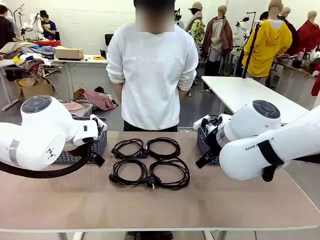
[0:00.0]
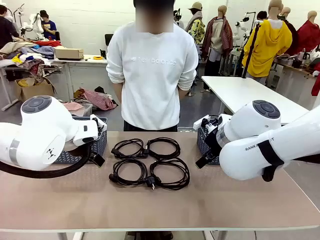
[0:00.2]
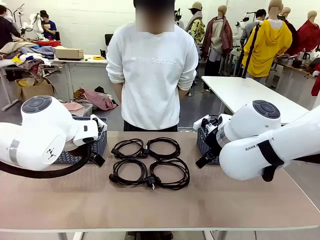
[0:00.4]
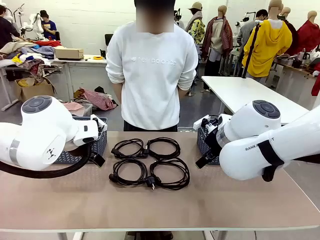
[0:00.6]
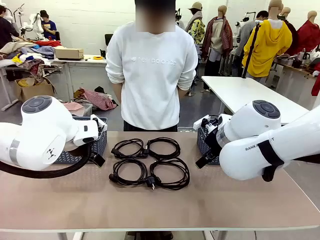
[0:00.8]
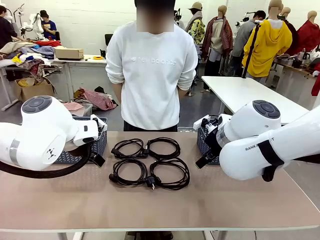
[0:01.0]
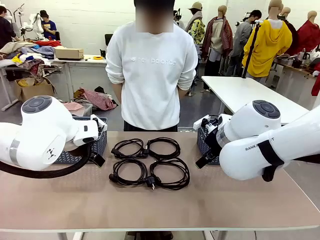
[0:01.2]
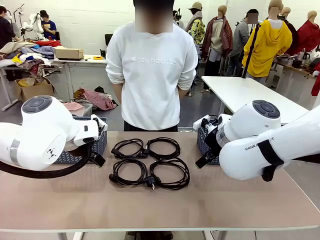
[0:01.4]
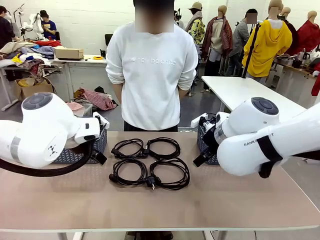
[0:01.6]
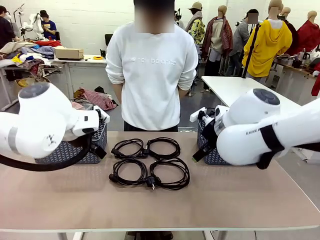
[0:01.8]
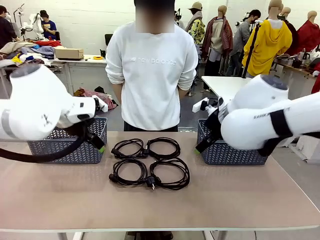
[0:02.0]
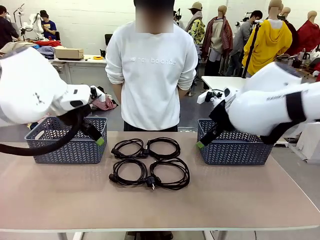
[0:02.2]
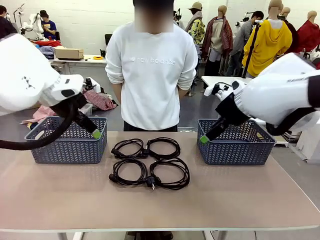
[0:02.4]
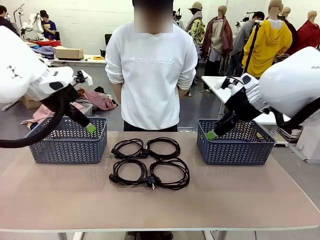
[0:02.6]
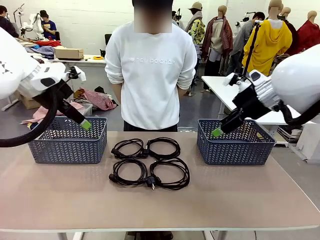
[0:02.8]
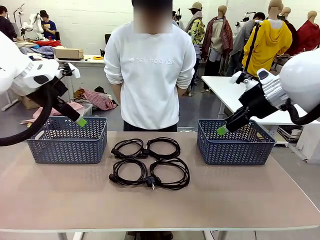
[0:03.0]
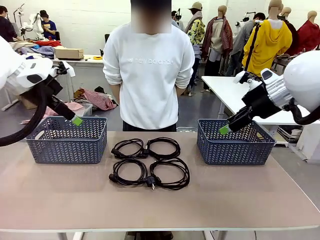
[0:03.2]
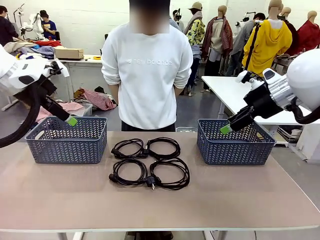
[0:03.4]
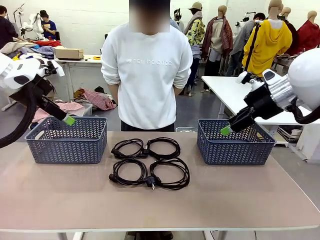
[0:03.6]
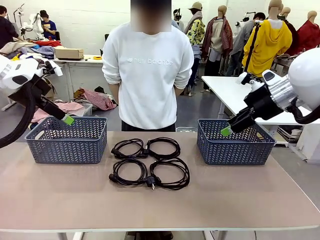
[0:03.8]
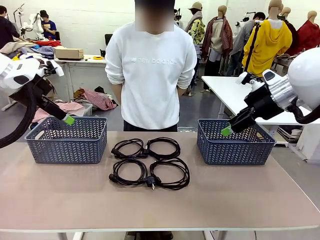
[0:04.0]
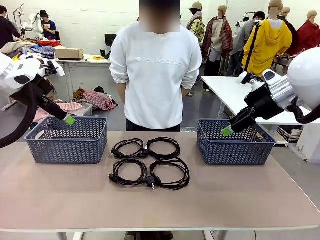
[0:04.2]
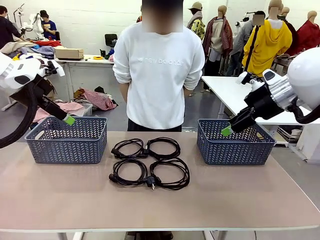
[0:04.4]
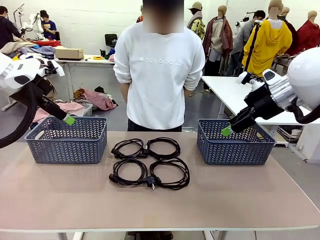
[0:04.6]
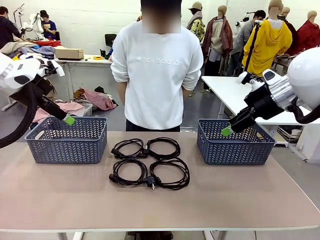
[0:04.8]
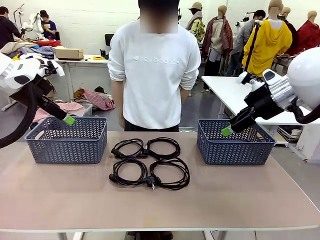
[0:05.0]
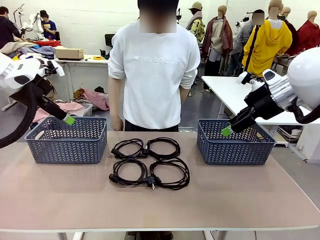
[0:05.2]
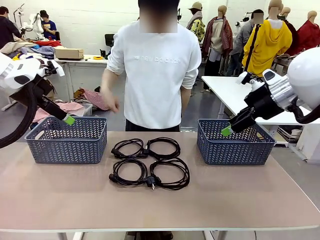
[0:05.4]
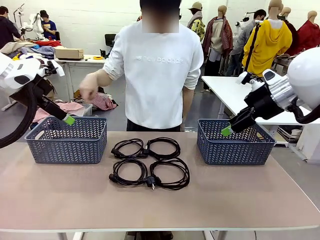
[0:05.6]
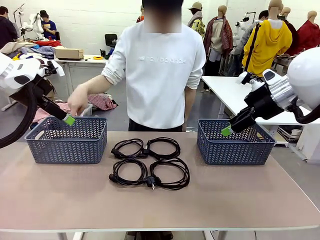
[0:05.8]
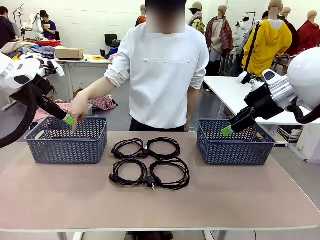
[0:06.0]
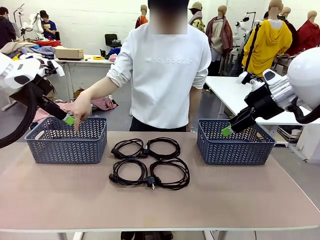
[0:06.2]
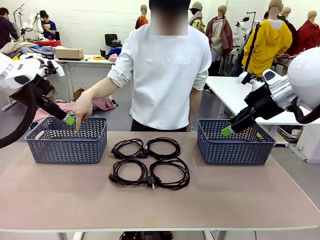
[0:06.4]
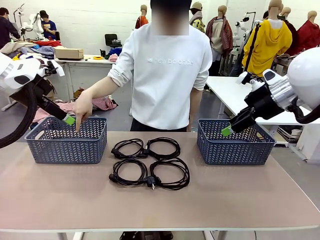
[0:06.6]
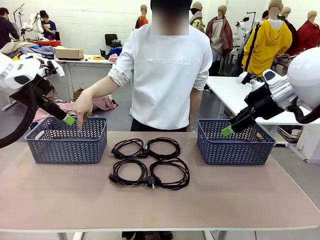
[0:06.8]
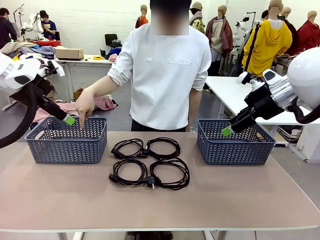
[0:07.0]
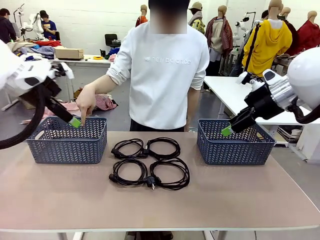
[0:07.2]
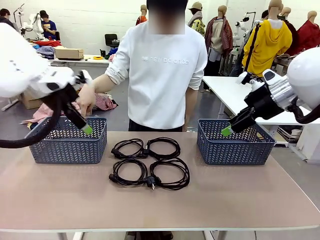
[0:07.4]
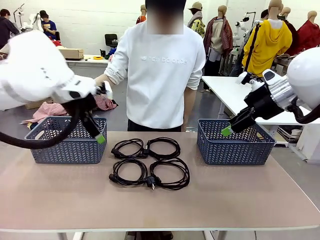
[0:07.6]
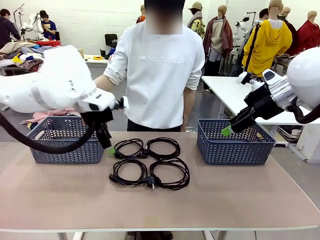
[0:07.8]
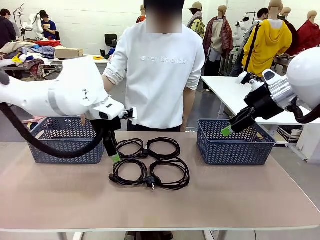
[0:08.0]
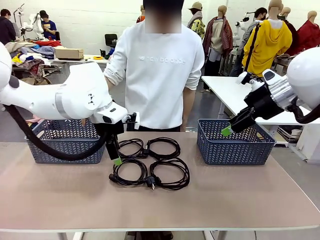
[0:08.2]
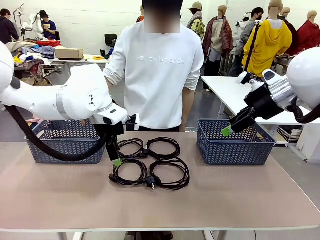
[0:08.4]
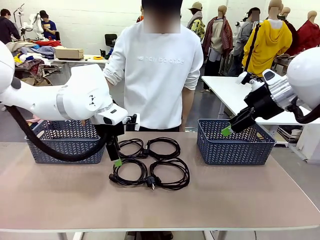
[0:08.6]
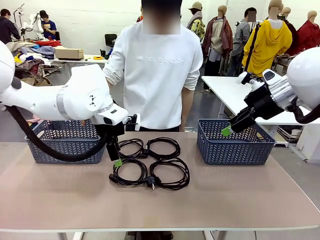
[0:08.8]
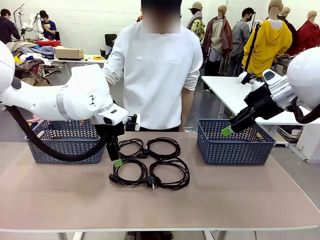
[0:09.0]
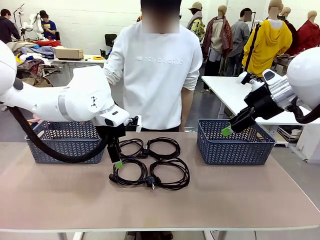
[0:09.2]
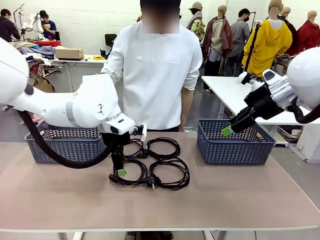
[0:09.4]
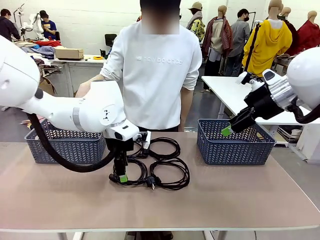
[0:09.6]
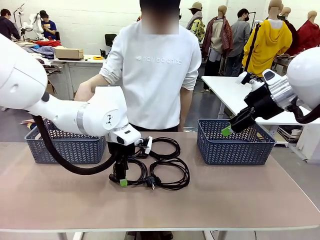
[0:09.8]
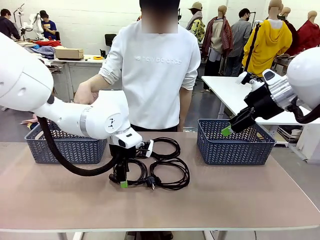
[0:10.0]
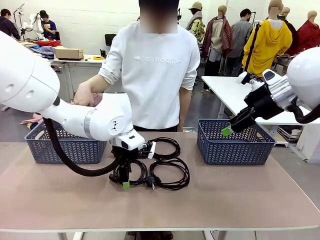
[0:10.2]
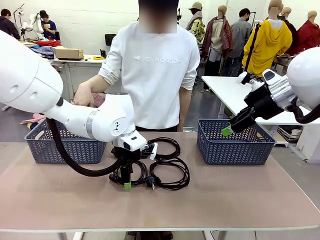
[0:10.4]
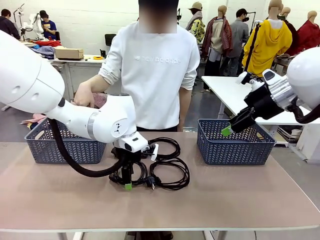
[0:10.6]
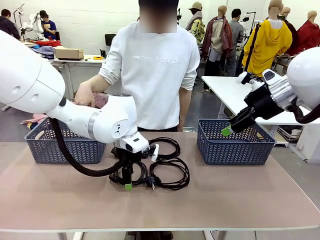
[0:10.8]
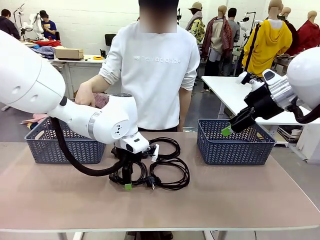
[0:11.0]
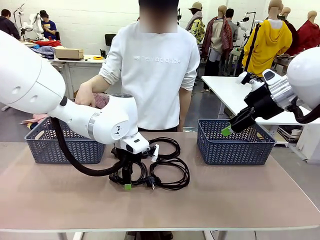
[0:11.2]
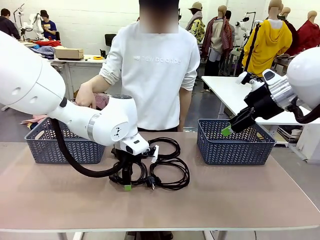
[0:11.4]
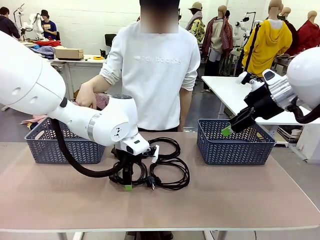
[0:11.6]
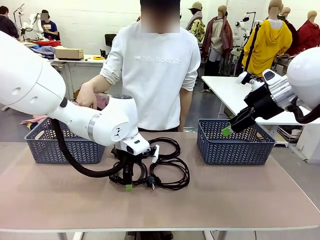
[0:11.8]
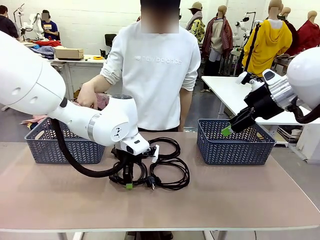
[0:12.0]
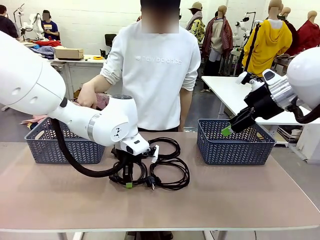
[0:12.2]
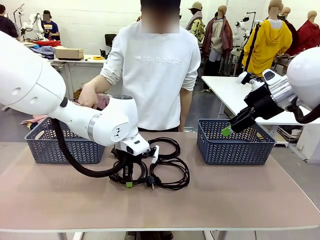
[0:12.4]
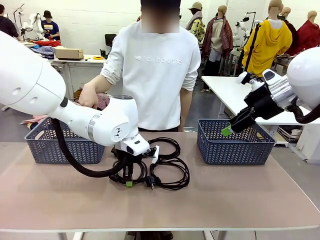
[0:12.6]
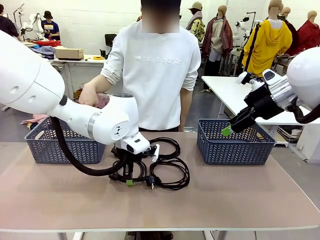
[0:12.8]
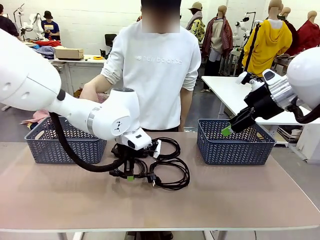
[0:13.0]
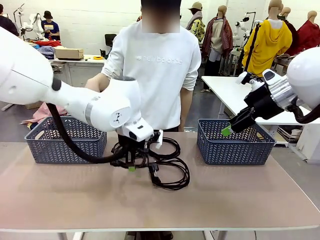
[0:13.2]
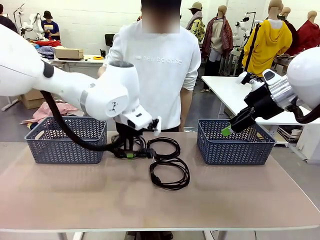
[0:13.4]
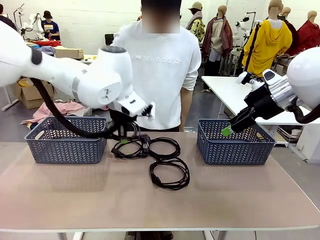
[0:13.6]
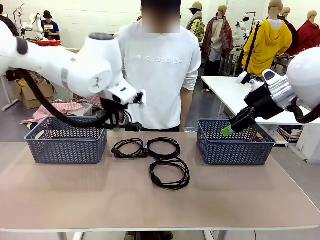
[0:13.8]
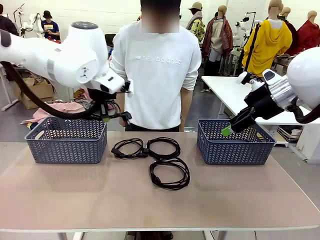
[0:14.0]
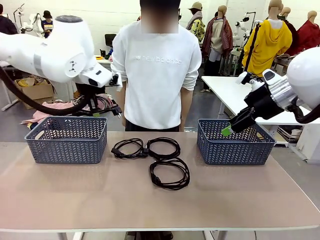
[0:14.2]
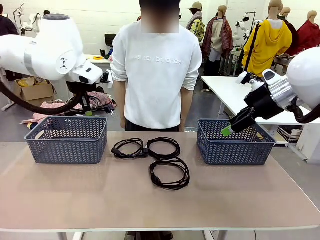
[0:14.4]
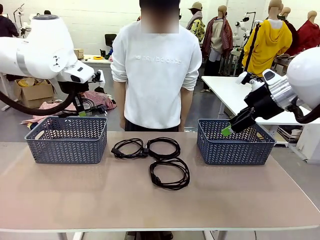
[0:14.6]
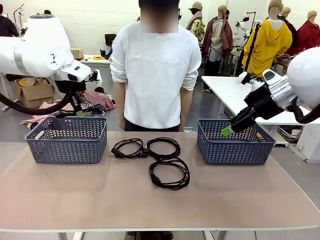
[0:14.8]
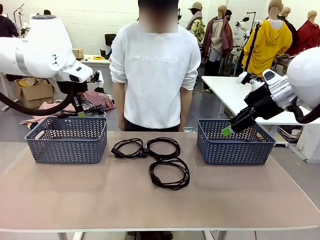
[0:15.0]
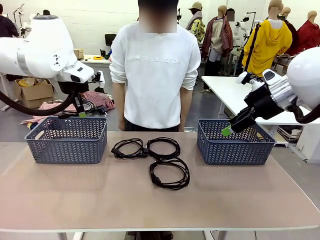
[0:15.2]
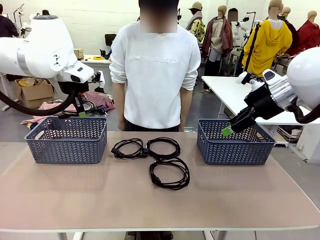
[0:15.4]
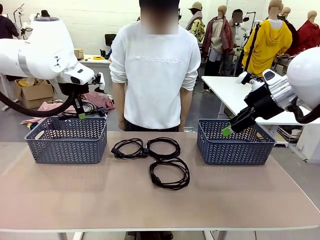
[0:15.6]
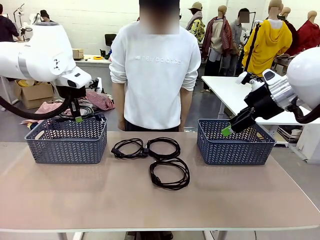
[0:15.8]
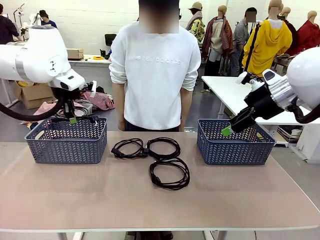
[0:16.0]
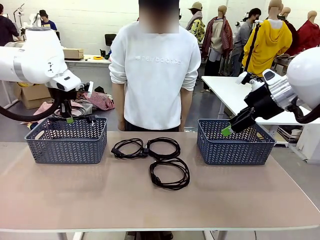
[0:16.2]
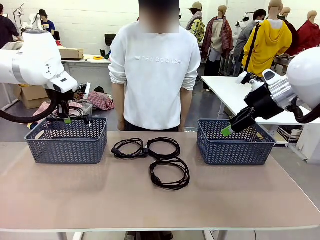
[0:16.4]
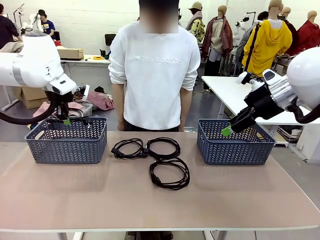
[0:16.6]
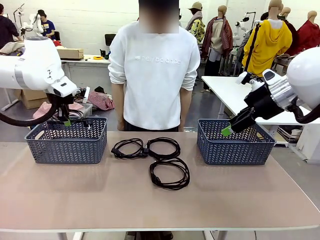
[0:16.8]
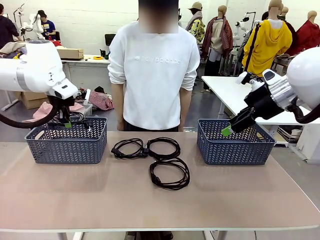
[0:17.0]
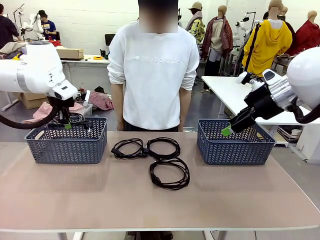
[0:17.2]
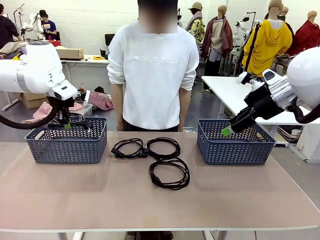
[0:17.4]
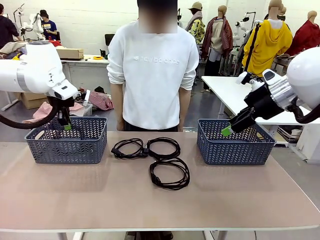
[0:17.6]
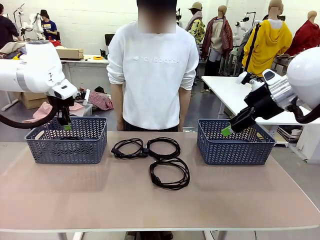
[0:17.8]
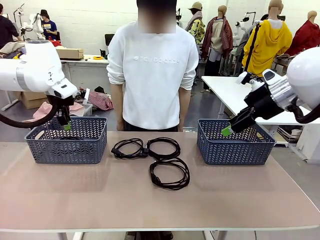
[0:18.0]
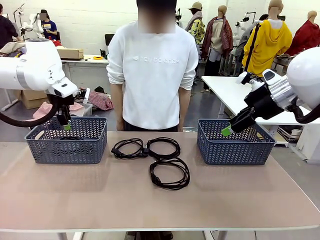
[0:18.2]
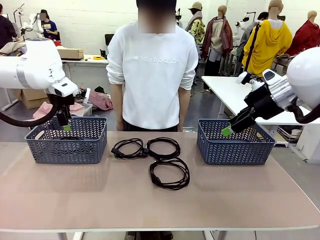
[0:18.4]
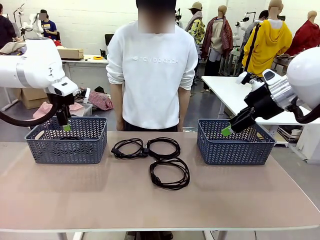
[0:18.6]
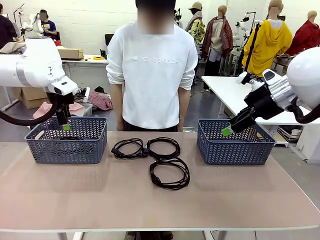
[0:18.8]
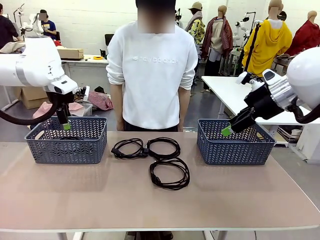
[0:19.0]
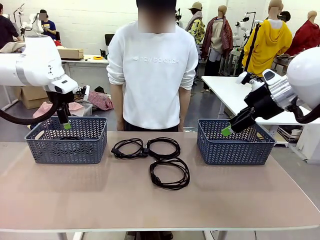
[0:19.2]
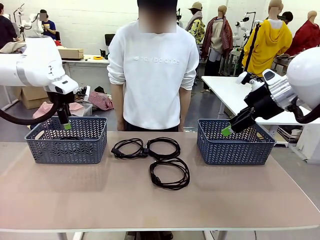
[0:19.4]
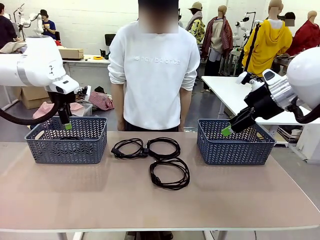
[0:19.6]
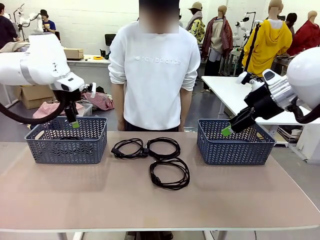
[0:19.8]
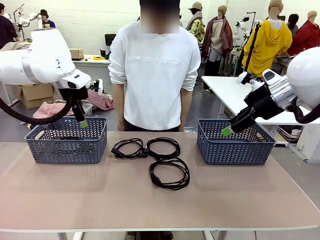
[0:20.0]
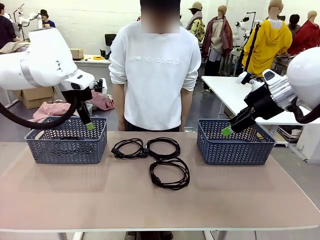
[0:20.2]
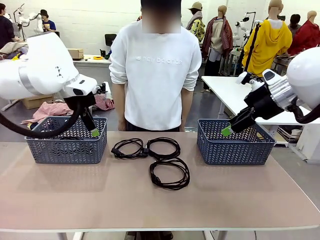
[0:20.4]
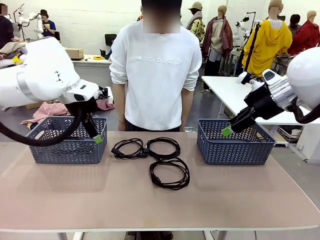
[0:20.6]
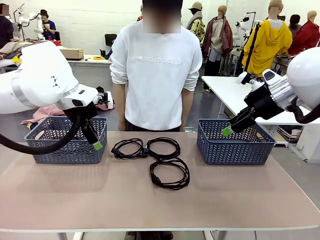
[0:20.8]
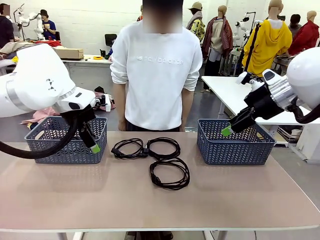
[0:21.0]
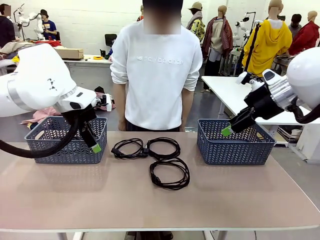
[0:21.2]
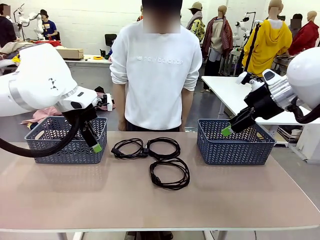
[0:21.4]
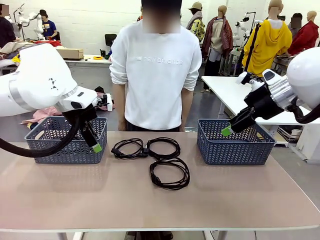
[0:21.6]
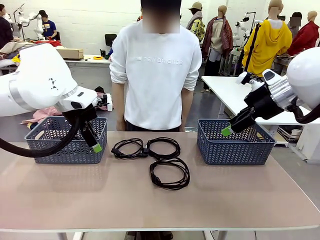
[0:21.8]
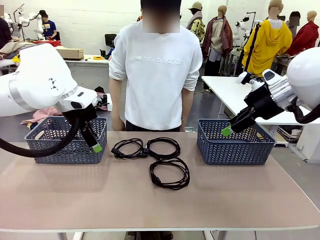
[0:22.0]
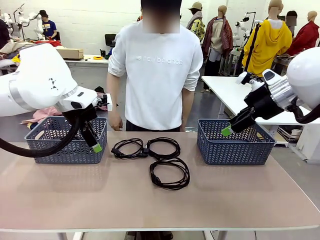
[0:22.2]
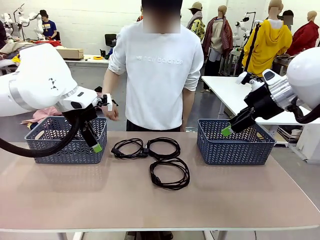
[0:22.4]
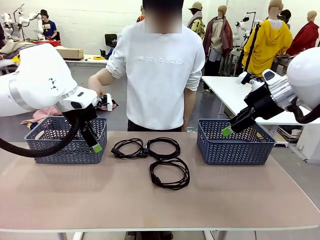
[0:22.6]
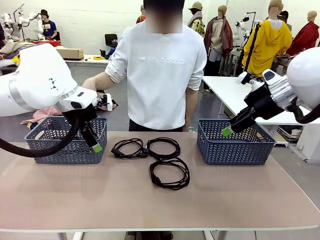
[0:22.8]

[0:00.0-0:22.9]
Task: Organize the cables according to human instructions.
Robot: Pick up a bundle of cables and place it in the basket indicated by the human.
